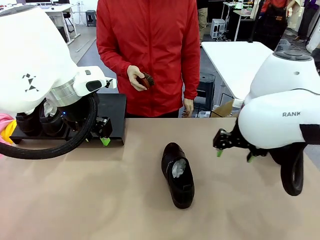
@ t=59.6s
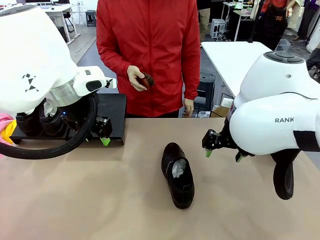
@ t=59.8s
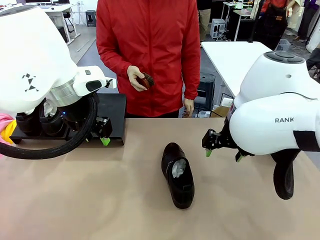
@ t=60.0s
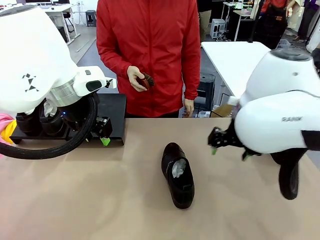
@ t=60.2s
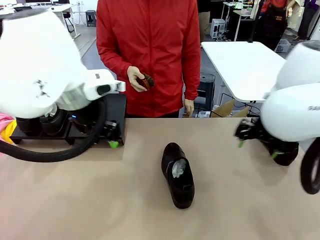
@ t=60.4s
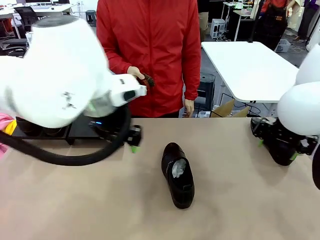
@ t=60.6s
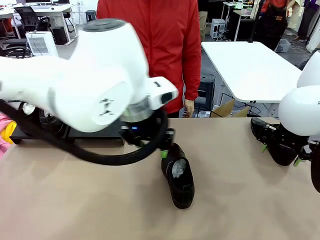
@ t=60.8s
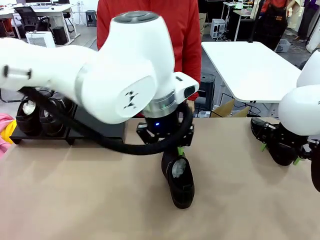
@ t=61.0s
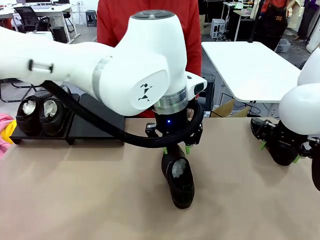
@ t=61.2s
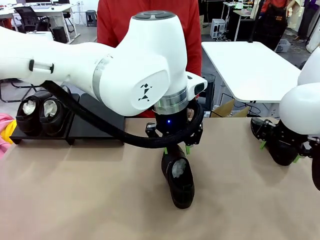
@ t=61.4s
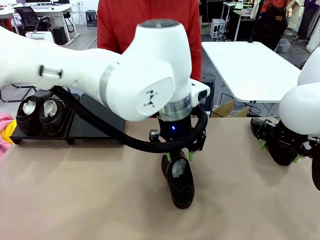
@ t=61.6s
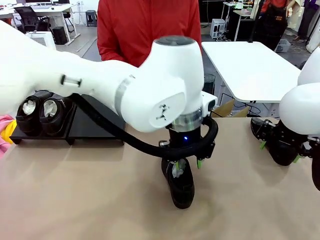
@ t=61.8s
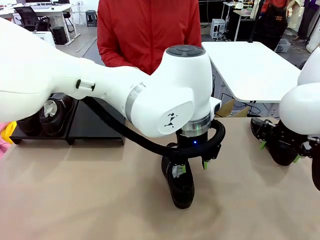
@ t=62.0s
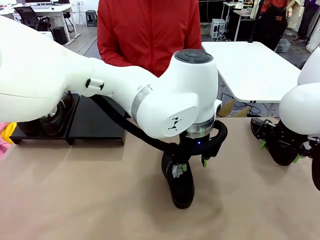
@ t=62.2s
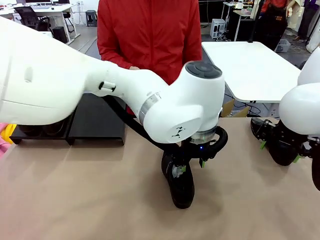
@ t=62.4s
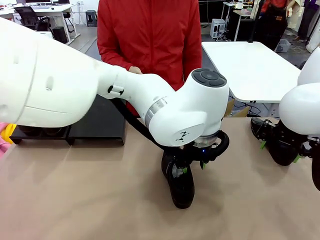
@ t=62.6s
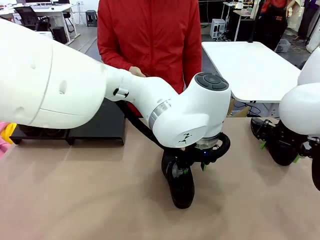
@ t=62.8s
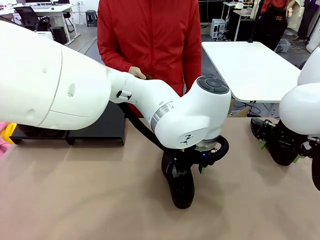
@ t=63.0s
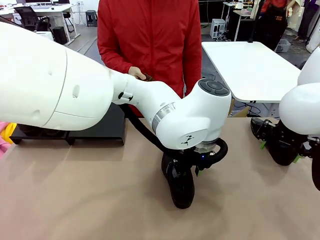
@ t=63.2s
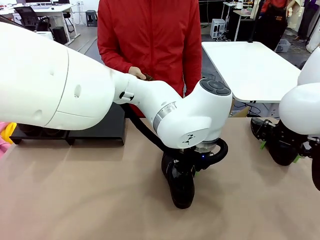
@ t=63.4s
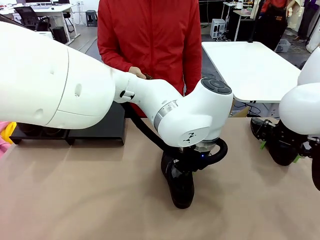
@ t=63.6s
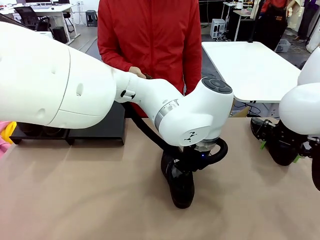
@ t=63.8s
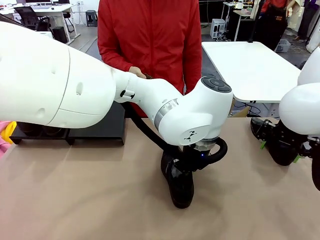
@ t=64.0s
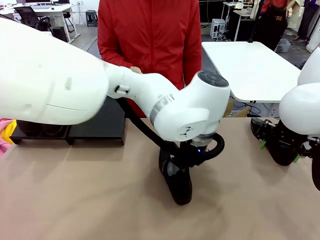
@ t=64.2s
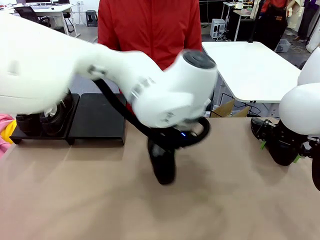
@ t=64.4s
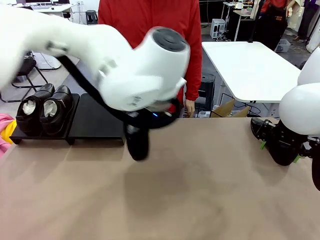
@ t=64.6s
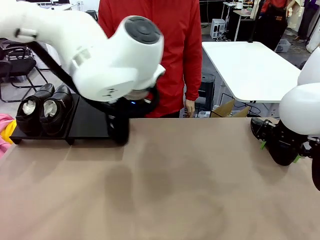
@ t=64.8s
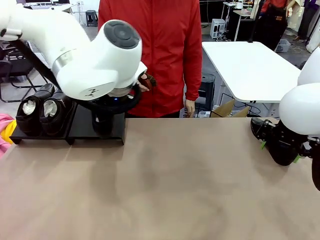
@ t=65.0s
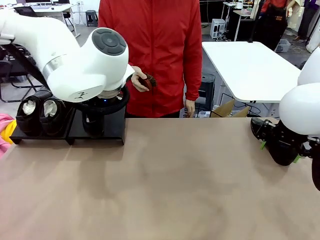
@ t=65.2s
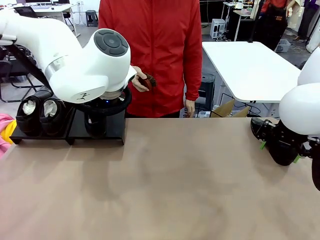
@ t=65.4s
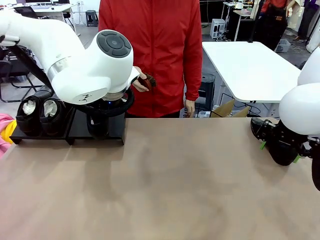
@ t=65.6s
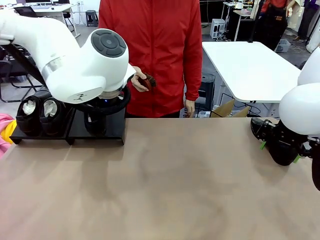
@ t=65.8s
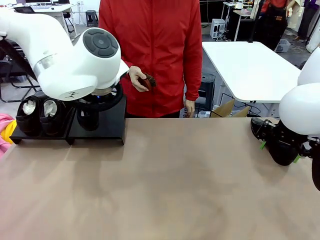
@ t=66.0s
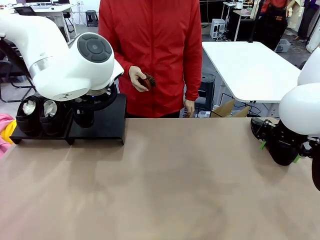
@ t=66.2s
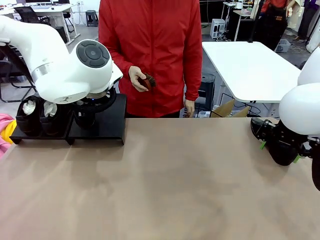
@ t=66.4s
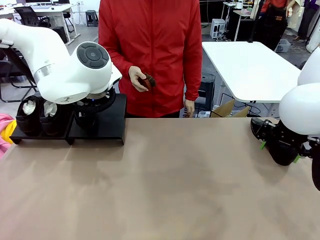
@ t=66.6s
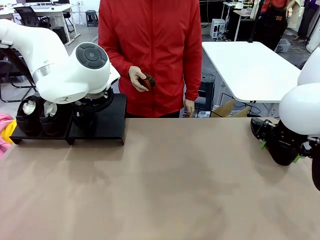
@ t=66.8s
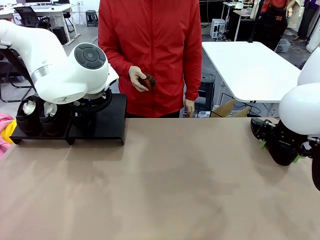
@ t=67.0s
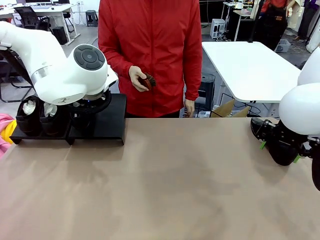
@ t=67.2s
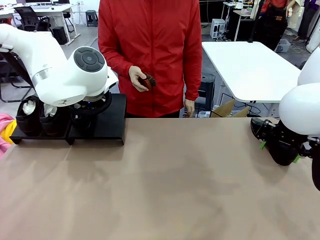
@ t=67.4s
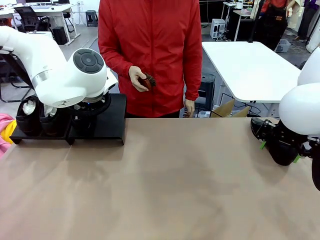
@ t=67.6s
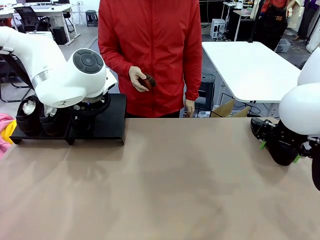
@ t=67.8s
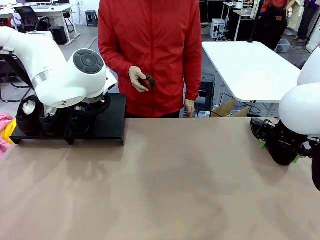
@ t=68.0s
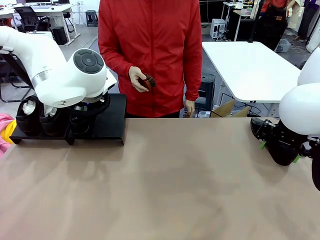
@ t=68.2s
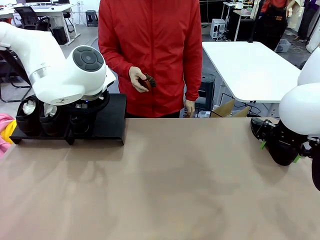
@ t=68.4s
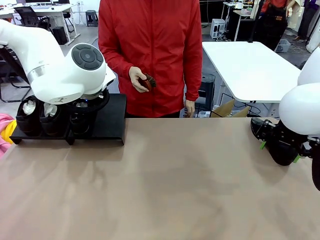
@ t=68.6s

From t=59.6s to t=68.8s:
Task: Organize the shoes by placing them on the stand.
Robot: Place the Shoe from the middle of the table onto the Shoes Stand.

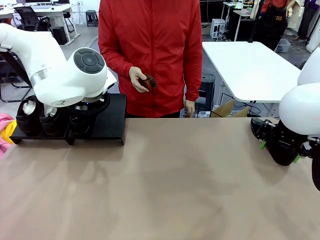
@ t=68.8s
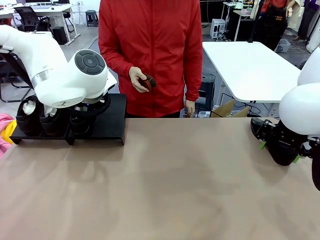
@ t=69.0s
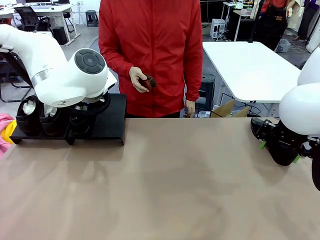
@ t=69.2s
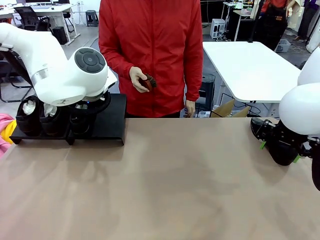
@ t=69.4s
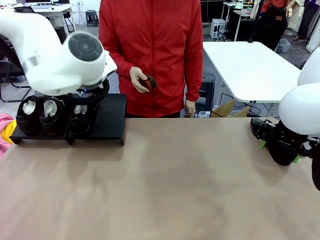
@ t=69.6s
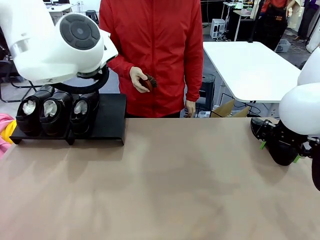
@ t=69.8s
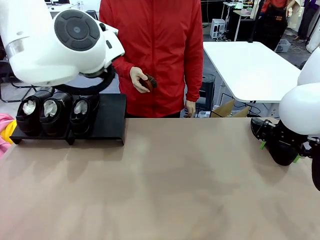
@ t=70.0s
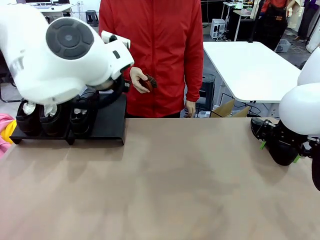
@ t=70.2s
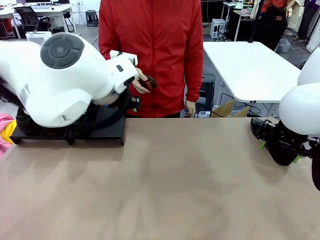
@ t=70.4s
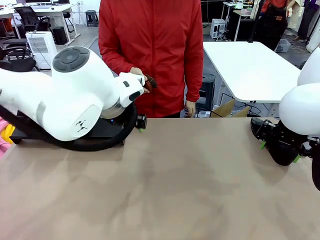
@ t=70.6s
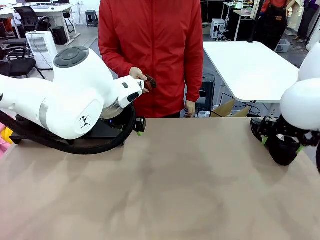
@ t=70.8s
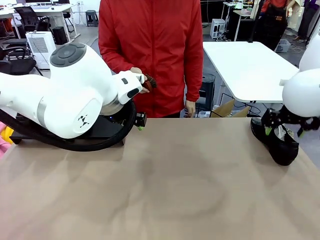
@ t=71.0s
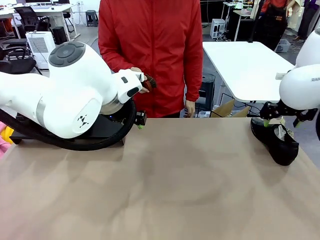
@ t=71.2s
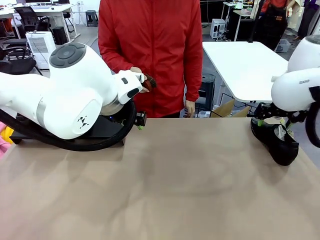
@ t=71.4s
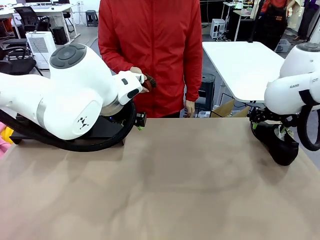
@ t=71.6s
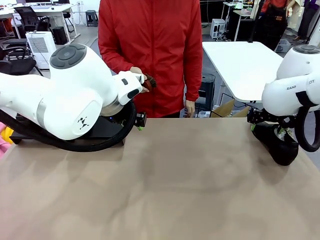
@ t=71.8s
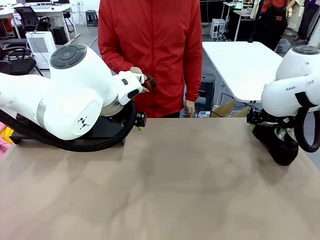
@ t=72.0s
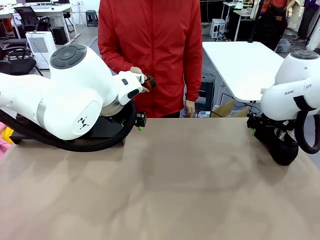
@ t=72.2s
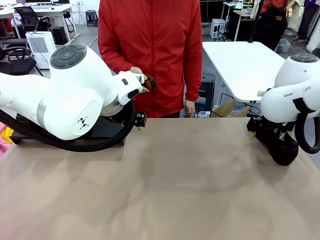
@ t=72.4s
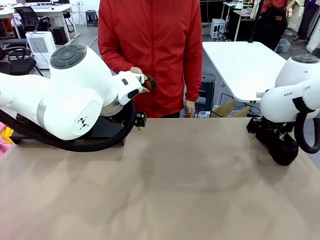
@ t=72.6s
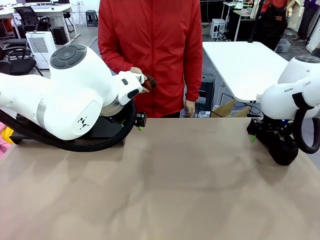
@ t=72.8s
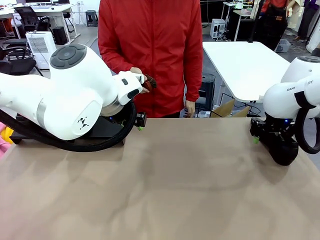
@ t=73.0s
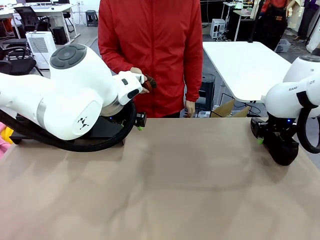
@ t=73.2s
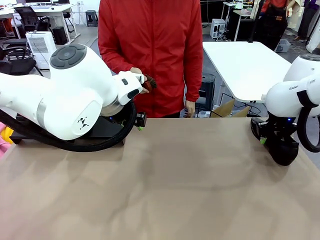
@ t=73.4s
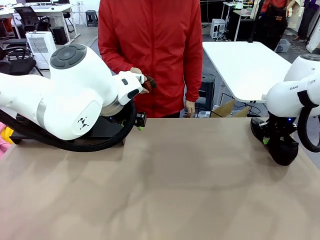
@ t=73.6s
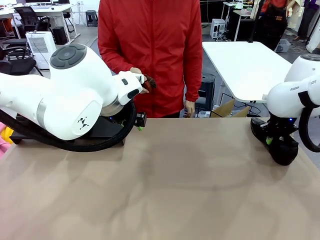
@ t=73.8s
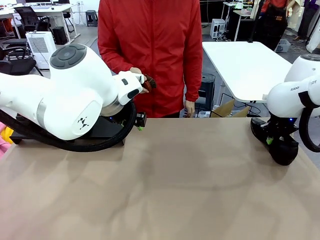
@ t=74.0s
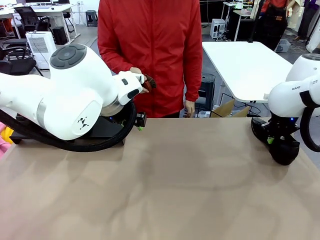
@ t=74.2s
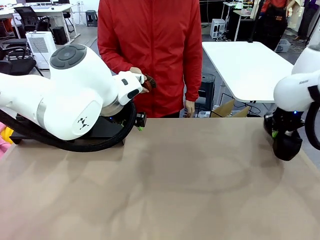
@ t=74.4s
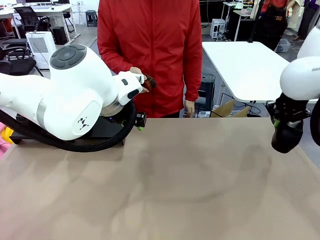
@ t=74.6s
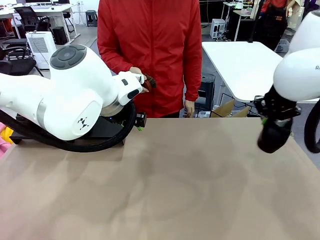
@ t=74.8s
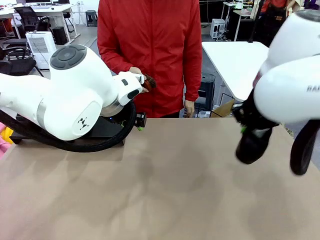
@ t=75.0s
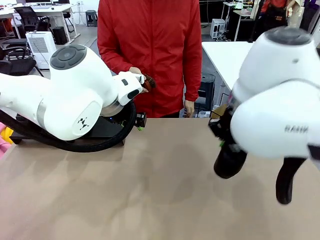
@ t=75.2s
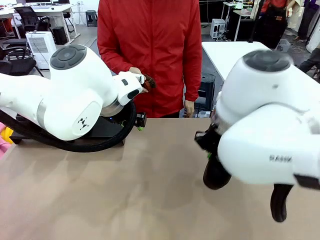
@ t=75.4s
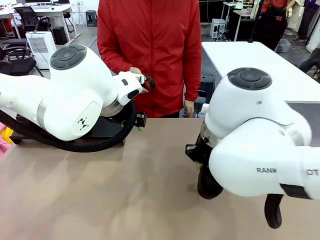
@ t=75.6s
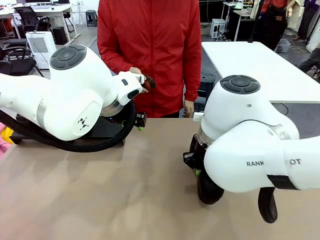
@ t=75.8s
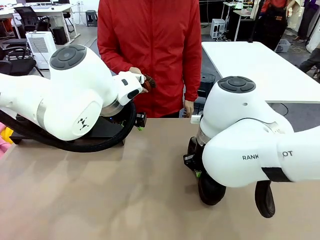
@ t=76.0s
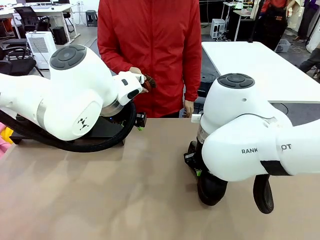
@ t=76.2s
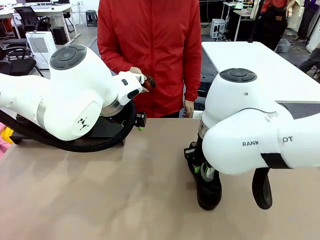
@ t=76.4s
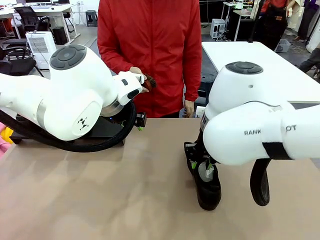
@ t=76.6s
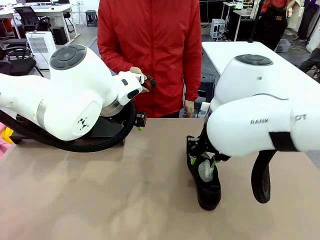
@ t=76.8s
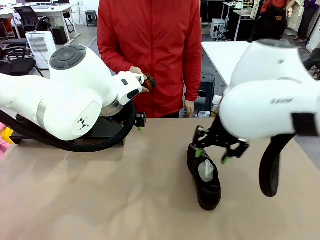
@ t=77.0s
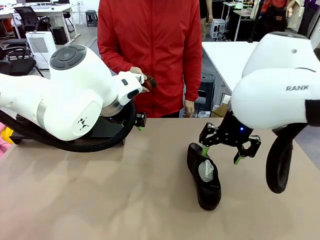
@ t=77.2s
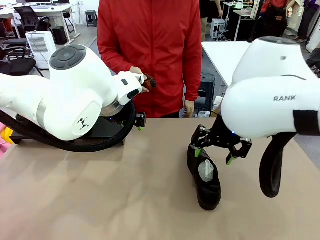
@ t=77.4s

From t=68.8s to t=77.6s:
Robot: Pick up one Shoe and place it in the middle of the table.
